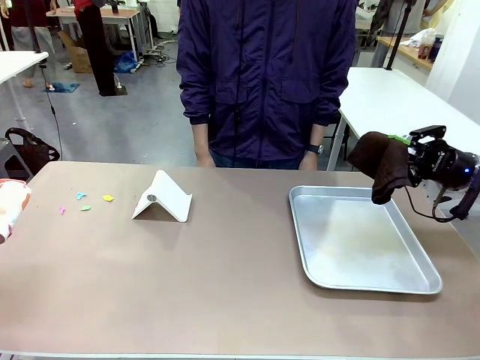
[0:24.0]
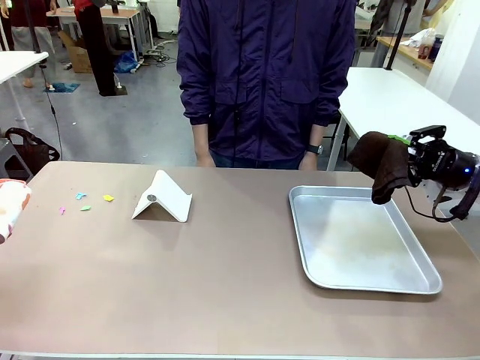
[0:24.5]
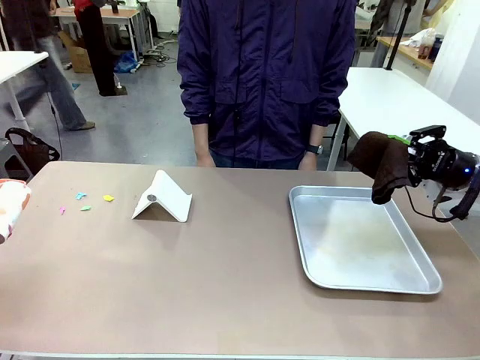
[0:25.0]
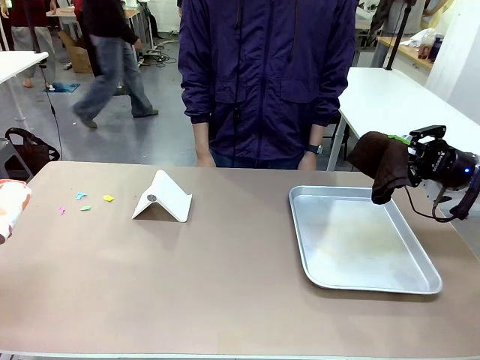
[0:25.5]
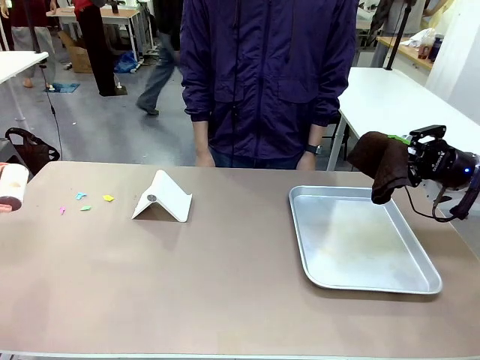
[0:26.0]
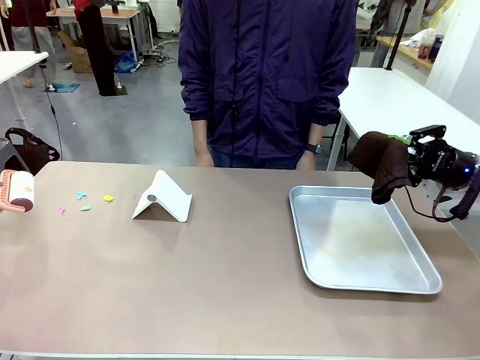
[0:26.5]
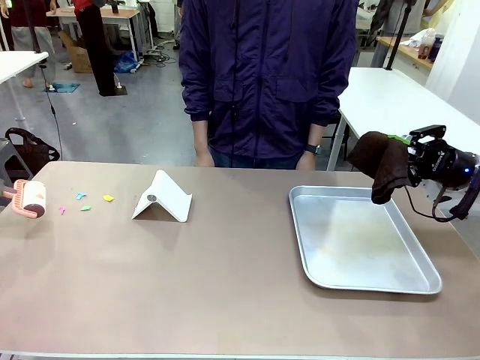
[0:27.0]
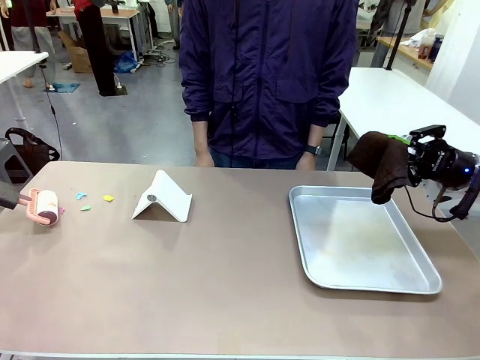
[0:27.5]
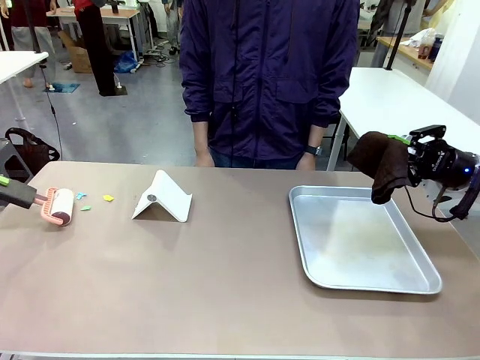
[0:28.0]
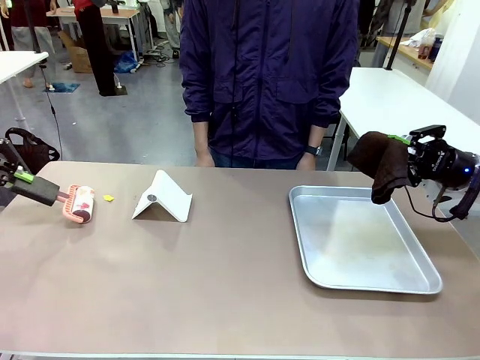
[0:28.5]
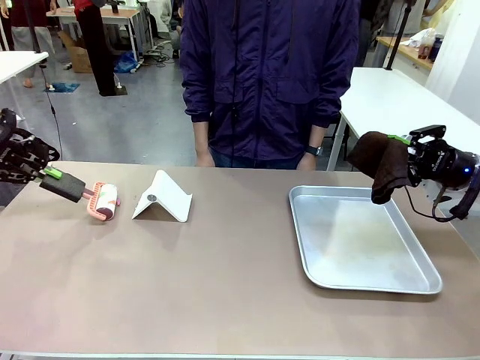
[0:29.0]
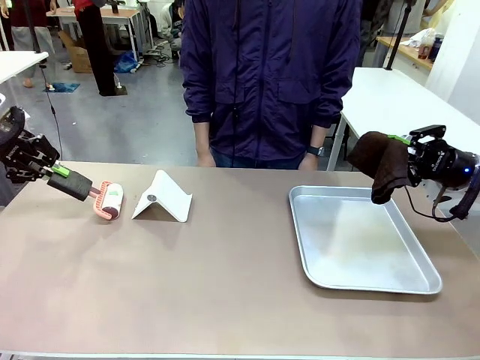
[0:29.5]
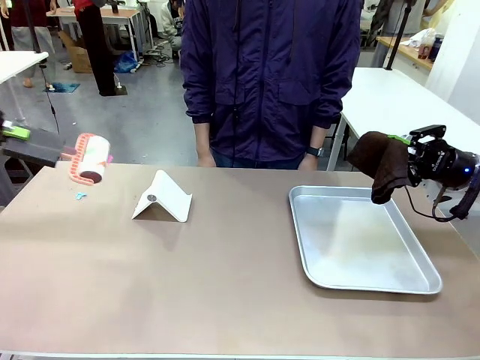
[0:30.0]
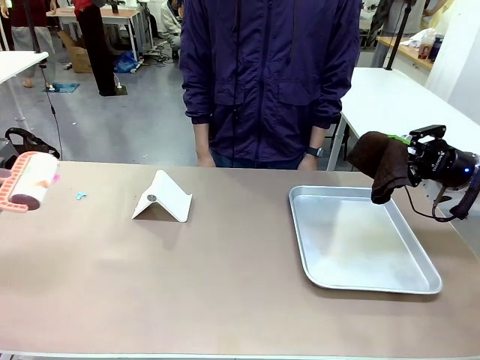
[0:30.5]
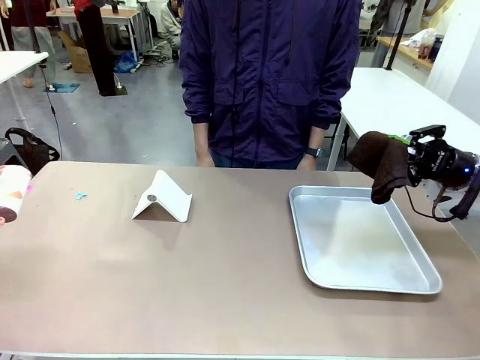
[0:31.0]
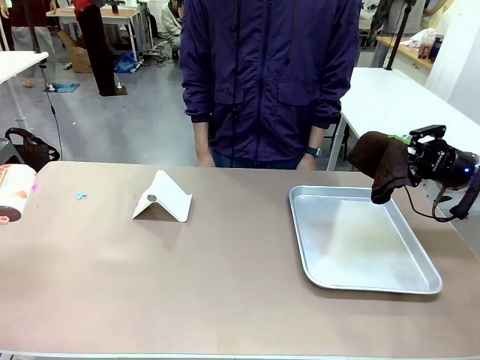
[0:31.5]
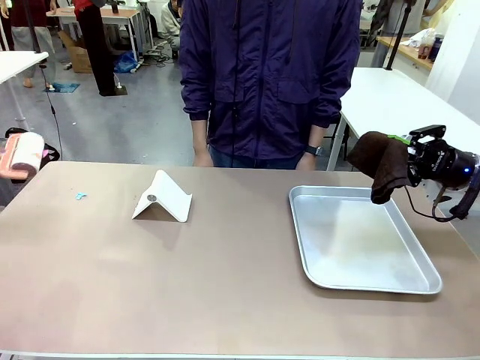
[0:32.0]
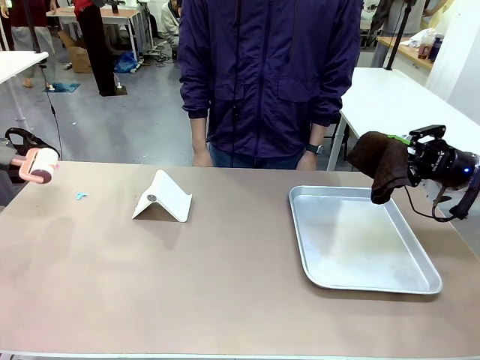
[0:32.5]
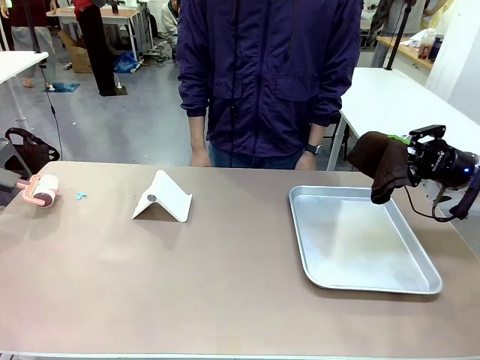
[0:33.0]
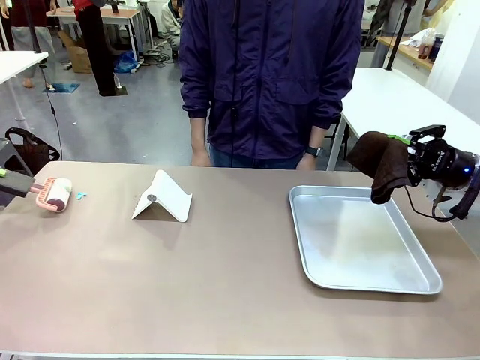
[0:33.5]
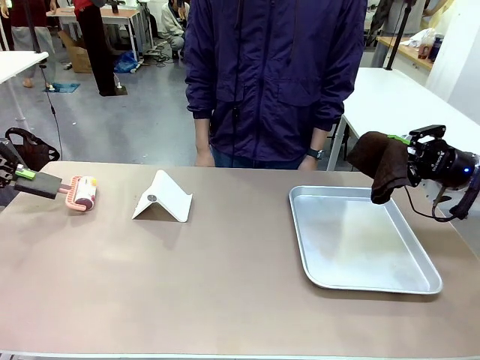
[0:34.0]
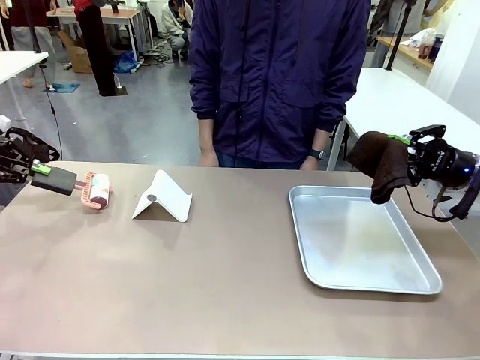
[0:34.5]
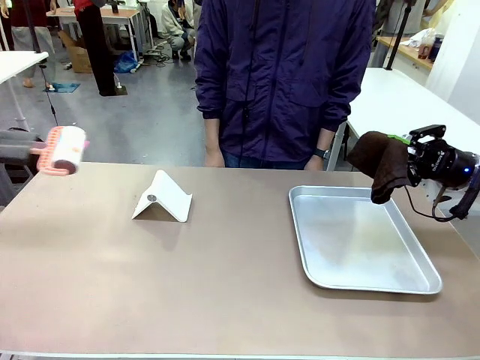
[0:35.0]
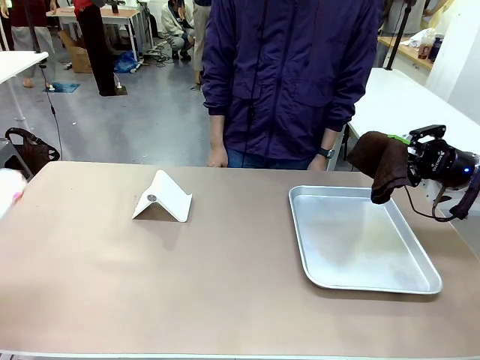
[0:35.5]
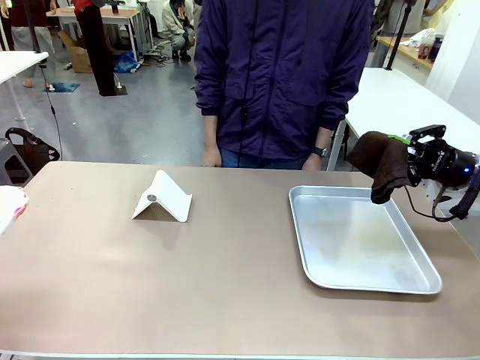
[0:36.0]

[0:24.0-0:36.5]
Task: Clean the surface of the table.
Robot: Clean the area not pointed to by the person.

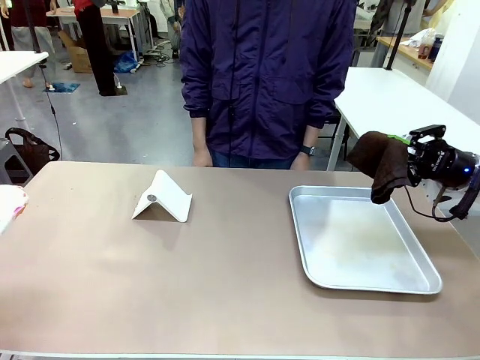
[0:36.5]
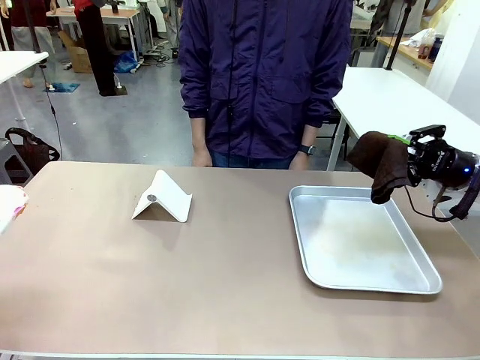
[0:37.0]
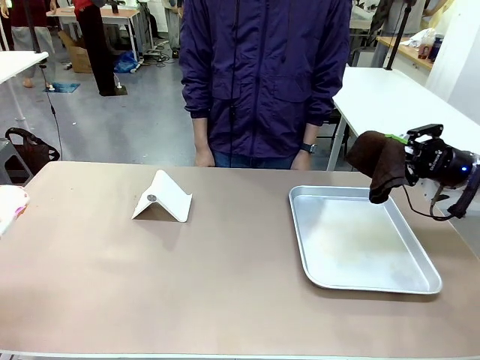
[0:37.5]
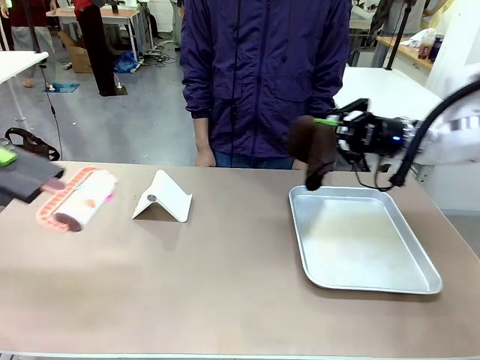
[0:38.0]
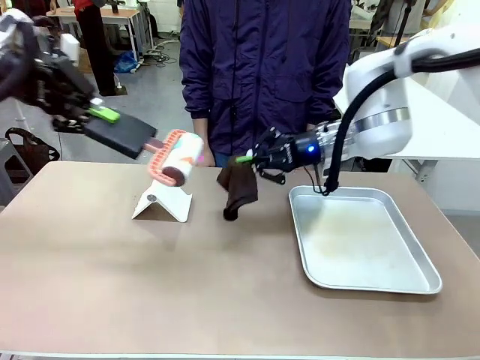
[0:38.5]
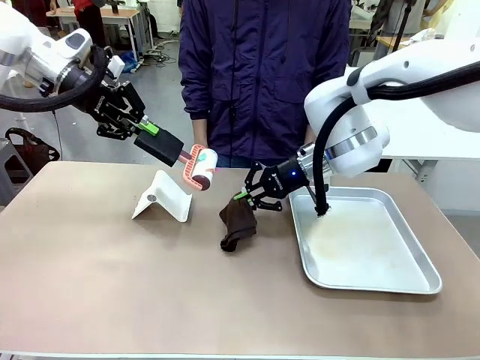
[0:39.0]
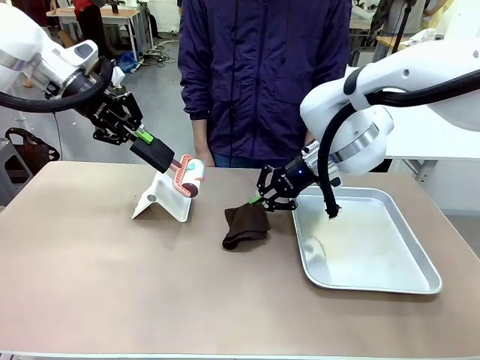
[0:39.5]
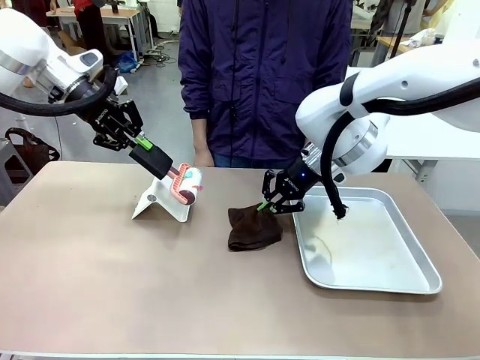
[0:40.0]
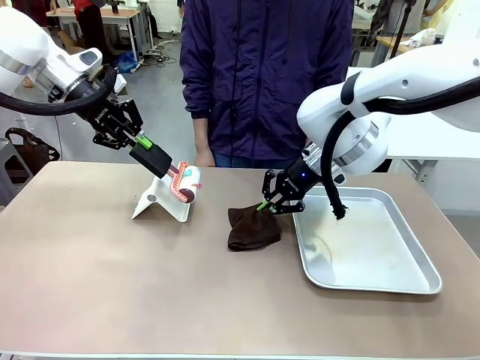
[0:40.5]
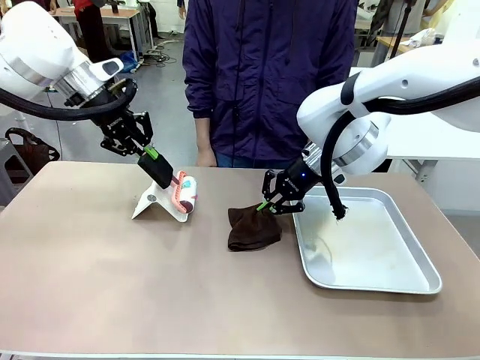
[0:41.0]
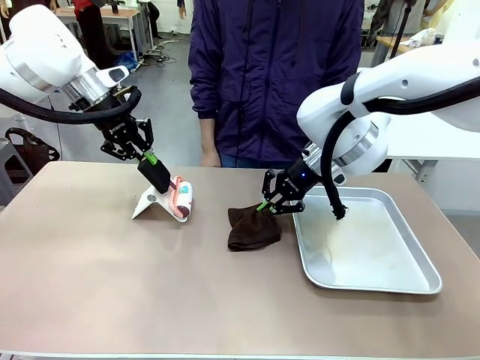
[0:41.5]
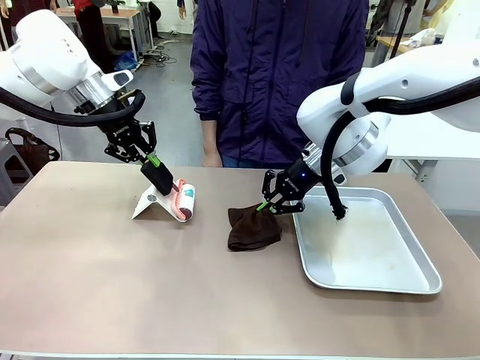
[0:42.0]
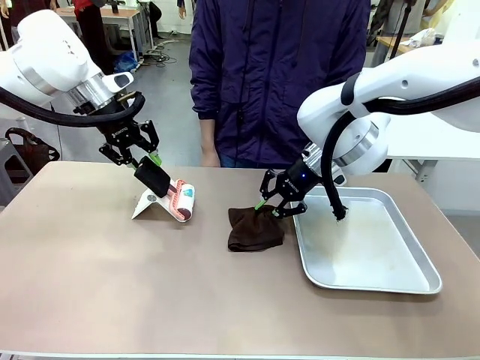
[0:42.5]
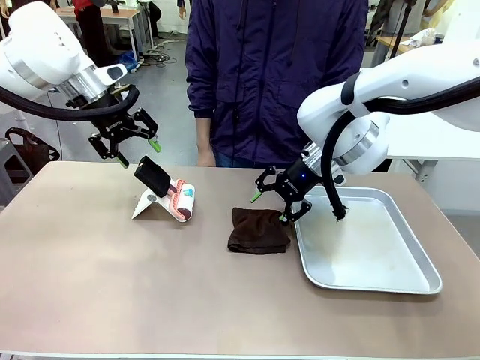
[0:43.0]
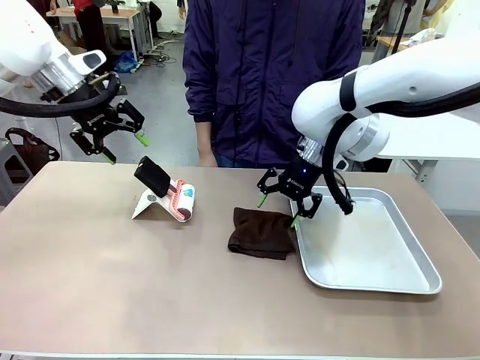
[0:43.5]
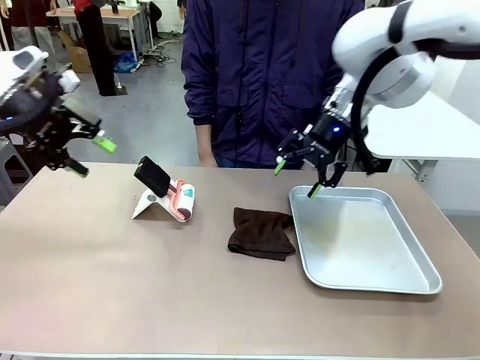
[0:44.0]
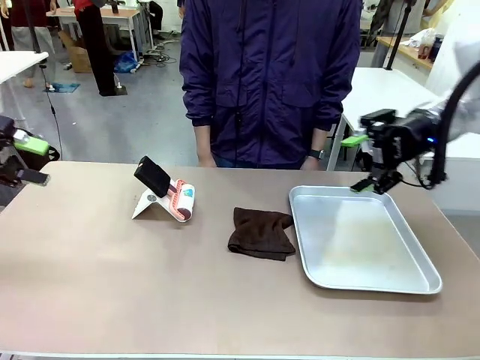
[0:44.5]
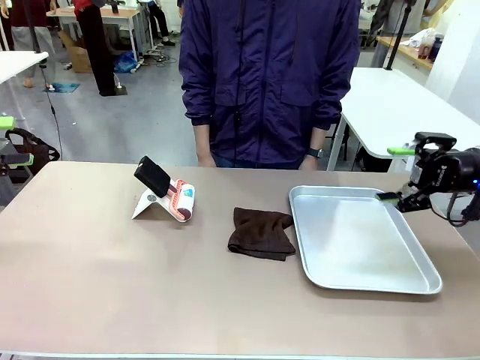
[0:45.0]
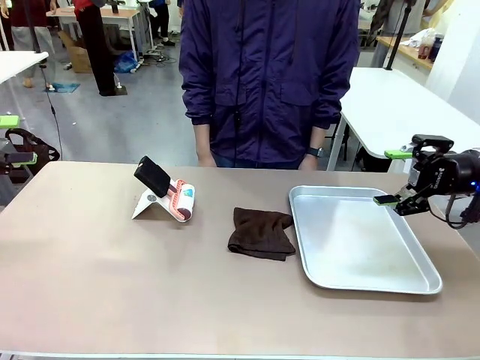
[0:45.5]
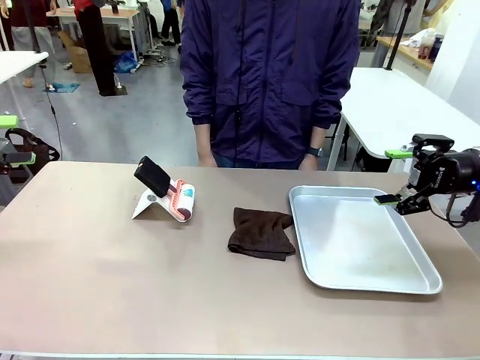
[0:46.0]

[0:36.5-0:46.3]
Robot: Return the Lint Roller and towel to their original positions.

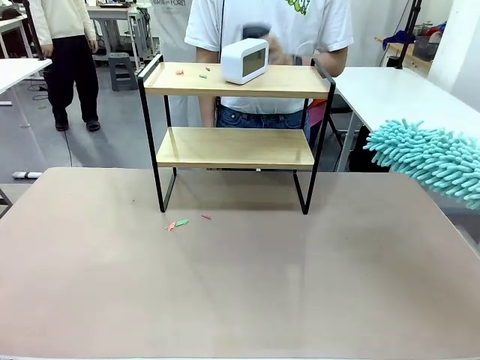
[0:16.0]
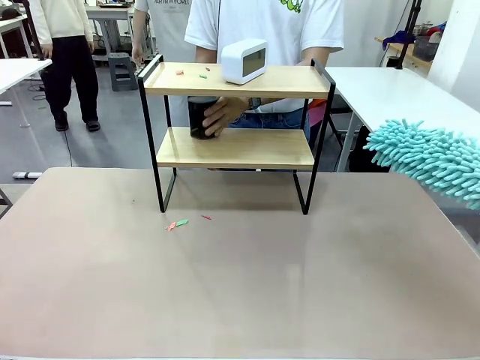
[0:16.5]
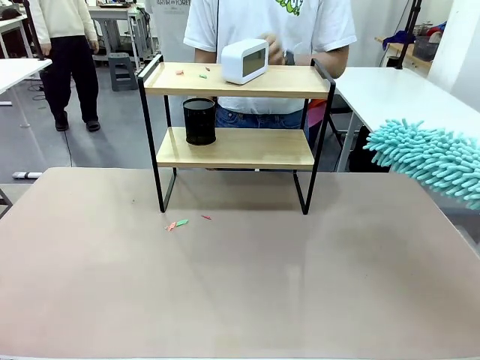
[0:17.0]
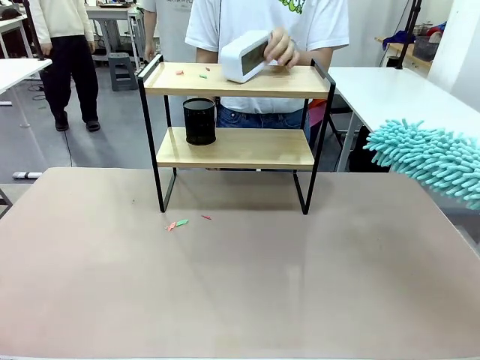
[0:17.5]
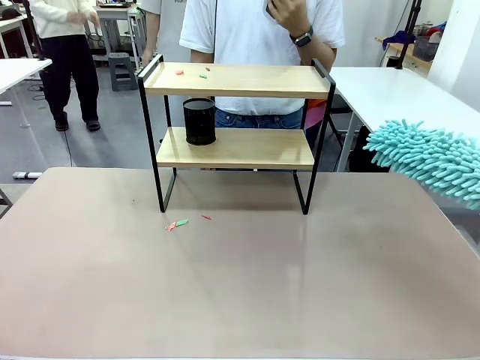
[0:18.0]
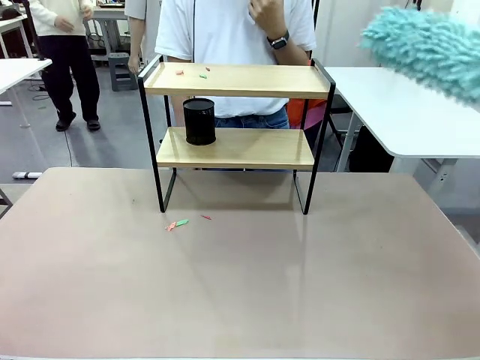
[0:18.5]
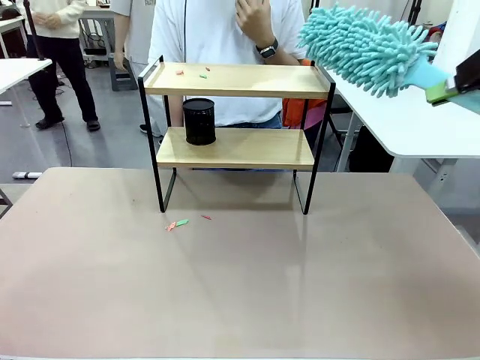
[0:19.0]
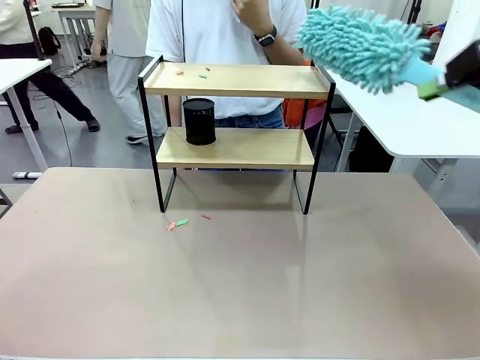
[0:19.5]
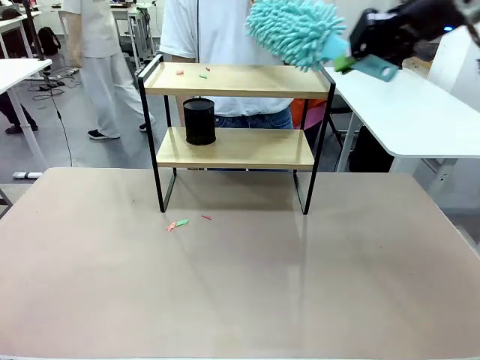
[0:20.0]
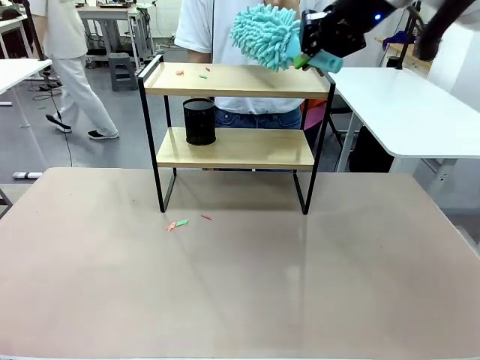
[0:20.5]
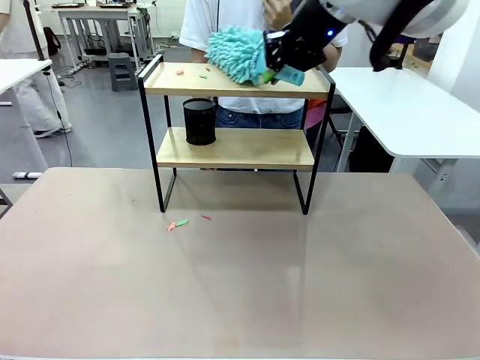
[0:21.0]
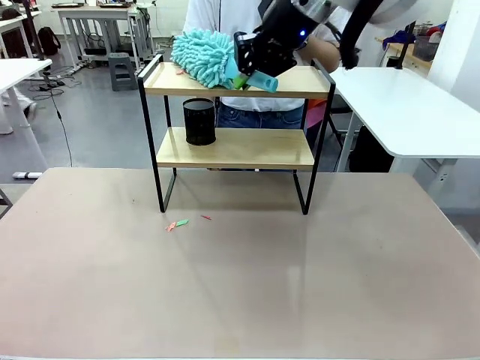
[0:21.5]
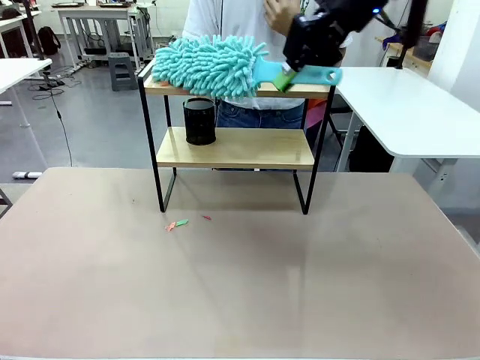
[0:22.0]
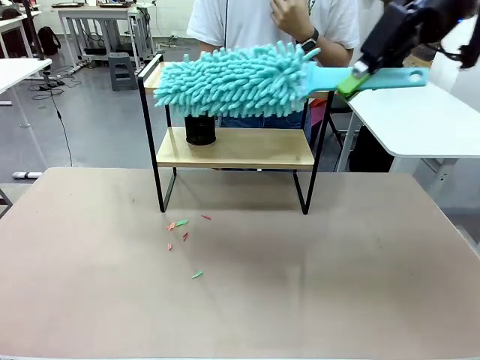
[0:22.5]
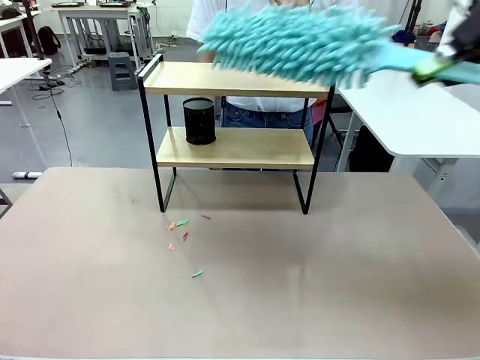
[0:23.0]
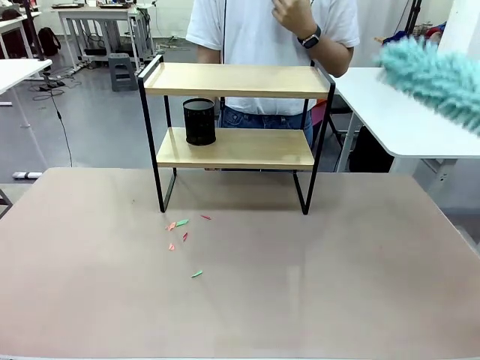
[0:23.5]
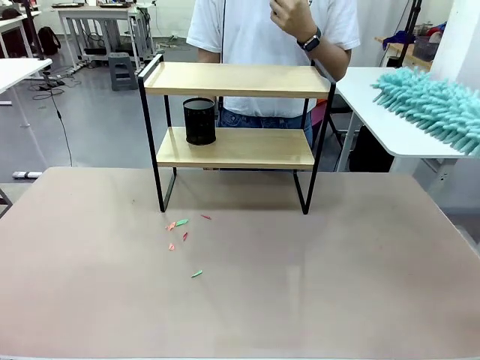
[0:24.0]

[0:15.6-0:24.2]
Task: Clean the shelf.
Robot: Clean the remaining tier of the Shelf with the Duster once objects are removed.
